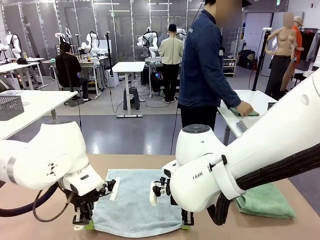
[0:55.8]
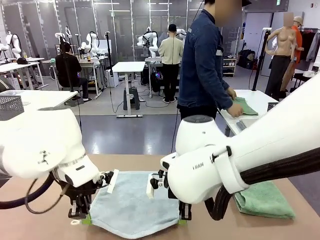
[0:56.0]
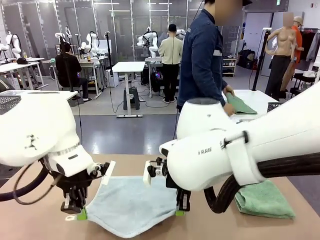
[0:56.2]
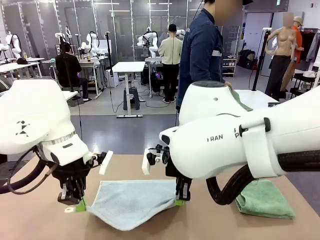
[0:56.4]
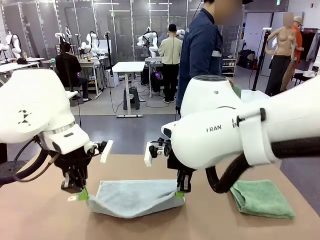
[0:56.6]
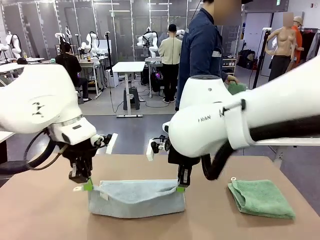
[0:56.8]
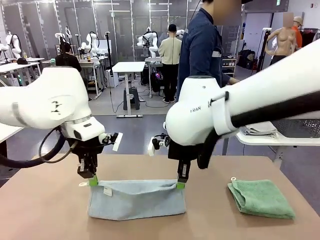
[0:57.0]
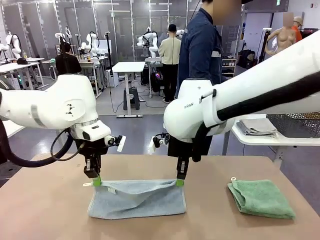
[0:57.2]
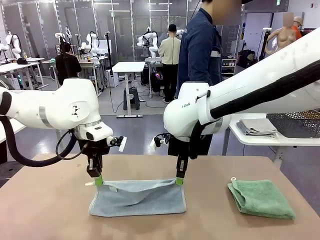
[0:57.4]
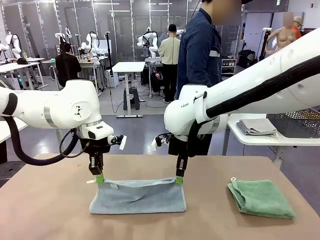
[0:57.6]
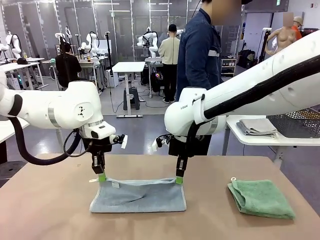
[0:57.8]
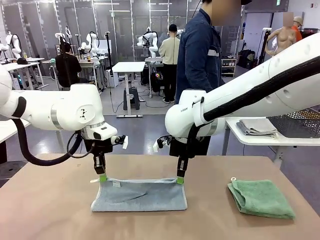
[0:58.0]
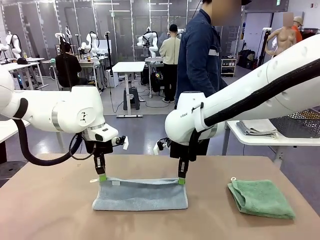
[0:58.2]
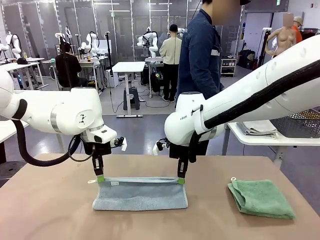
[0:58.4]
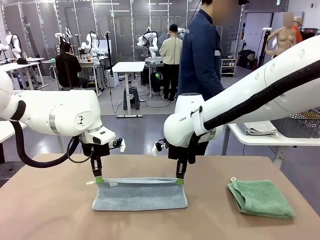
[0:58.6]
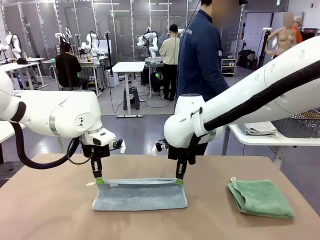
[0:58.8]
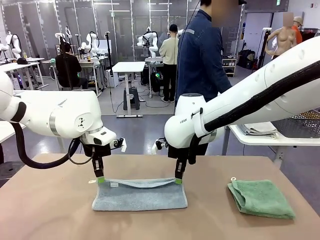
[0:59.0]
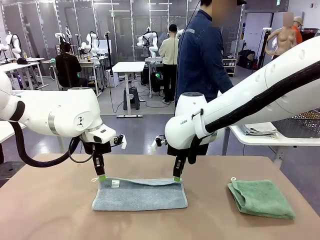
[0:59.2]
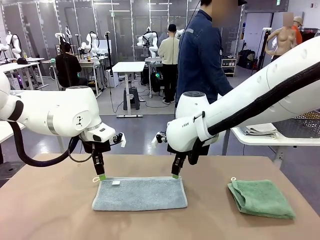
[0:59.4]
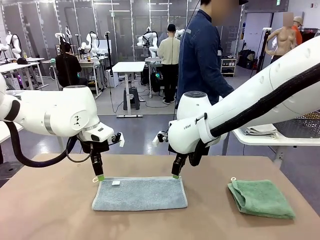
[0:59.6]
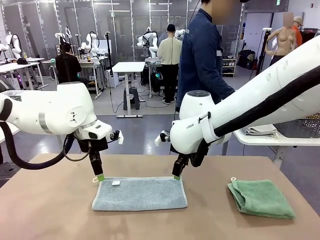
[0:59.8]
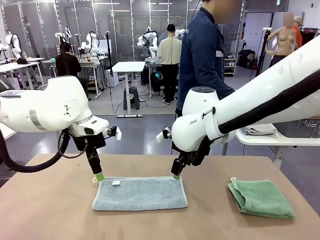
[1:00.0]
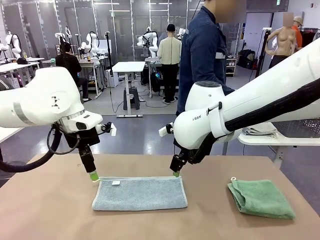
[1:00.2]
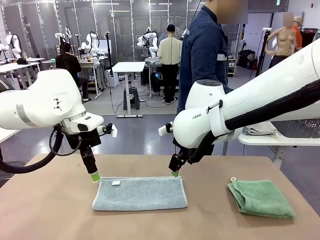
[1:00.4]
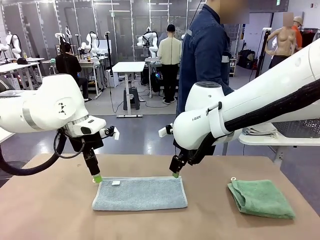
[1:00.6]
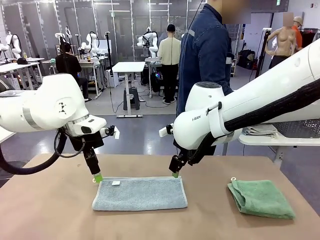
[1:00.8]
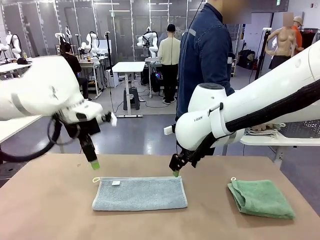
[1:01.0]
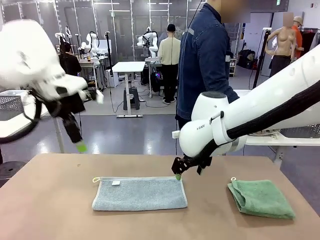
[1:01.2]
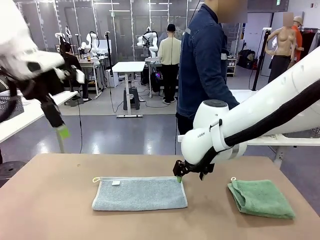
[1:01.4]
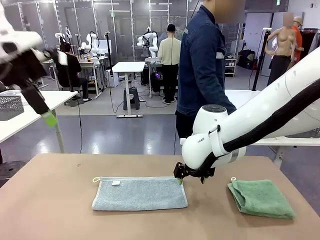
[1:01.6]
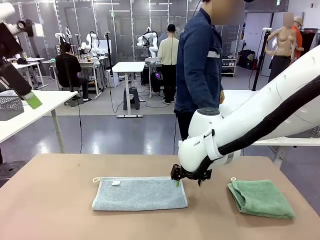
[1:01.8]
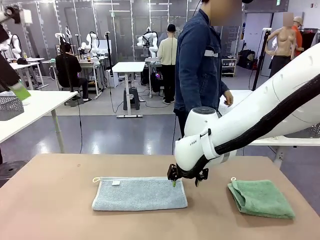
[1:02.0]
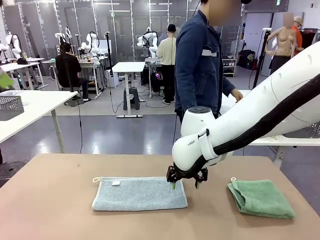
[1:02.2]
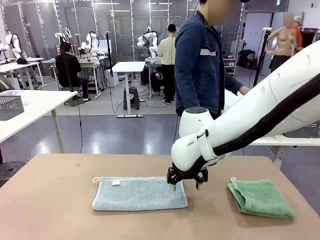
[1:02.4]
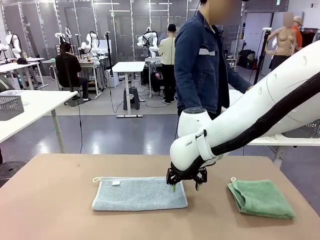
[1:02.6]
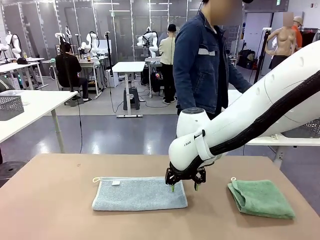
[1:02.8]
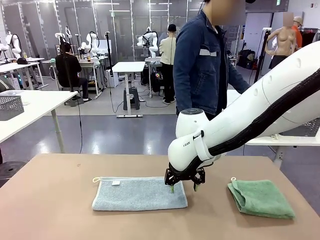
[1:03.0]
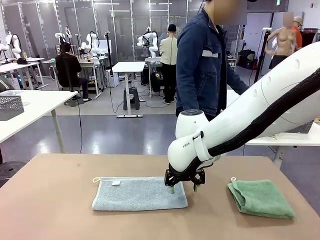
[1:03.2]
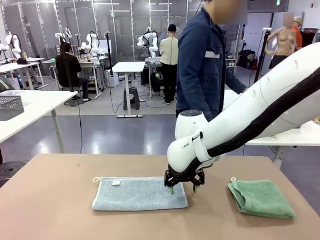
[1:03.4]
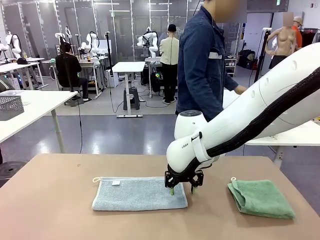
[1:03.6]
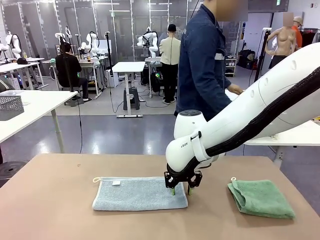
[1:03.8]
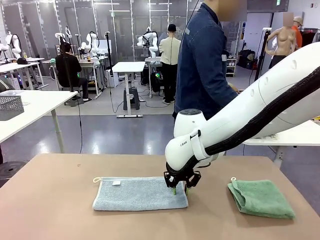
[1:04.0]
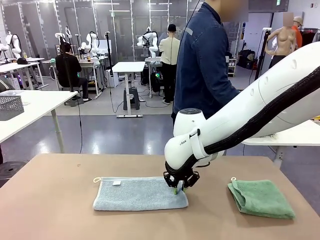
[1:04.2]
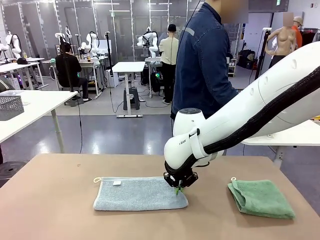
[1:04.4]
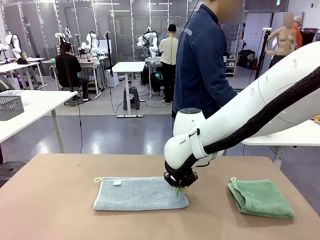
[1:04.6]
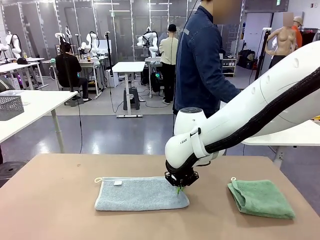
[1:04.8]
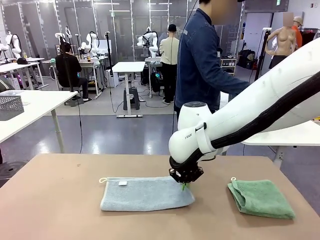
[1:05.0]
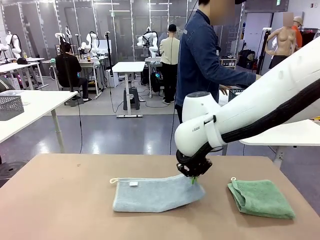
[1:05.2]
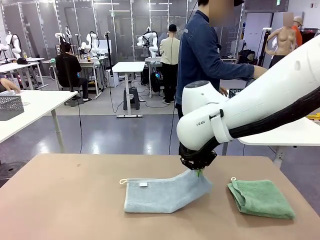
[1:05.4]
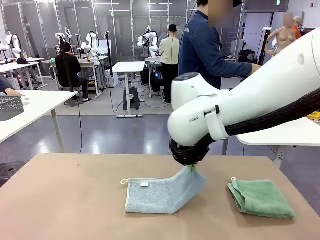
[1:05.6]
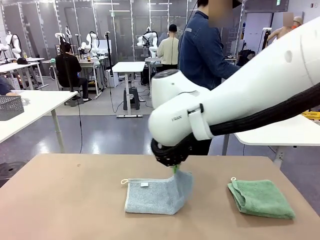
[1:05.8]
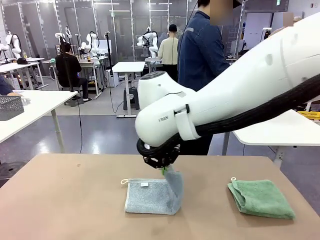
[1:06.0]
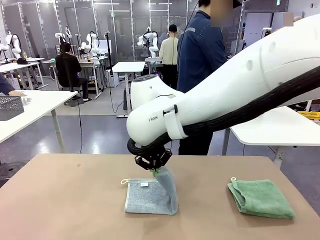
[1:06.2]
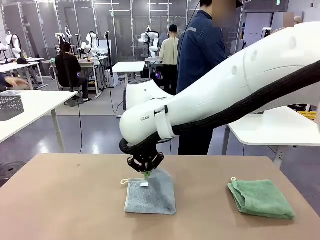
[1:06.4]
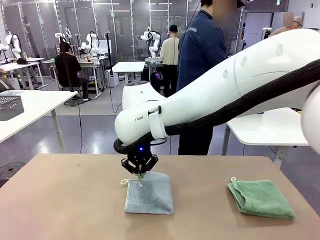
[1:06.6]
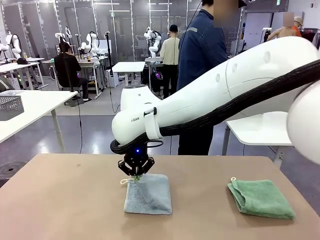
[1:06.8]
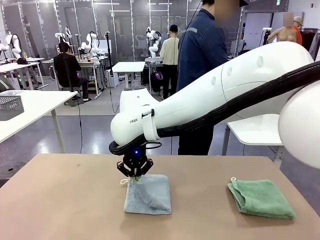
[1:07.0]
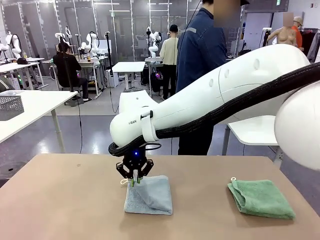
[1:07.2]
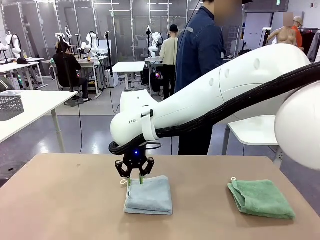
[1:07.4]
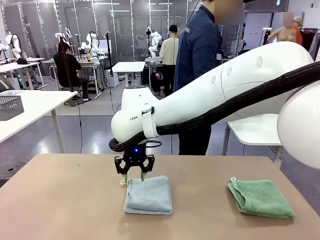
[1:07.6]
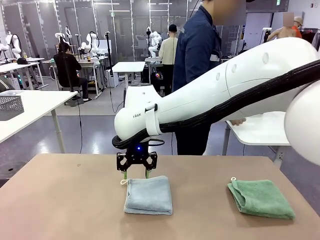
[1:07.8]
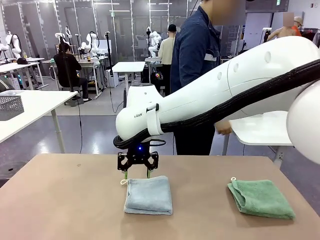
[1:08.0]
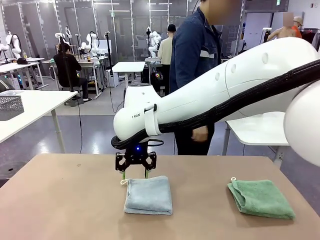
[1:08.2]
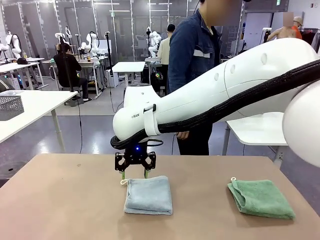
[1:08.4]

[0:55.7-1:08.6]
Task: Fold the towels and place them in the basket.
Robot: When a person lays out a Towel with hook on the table, fold it in half twice.
Person: Pick up the stack of towels from the right side of the human table, place it into the basket, and put the basket at the center of the table.
